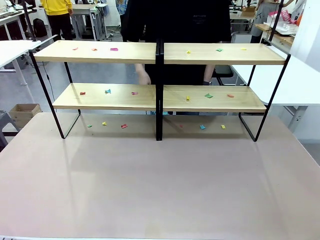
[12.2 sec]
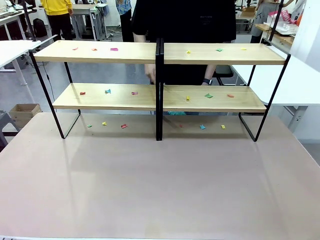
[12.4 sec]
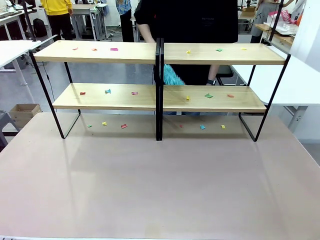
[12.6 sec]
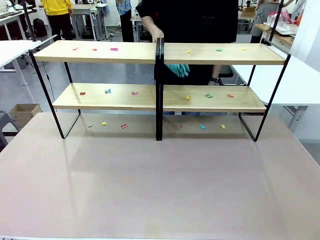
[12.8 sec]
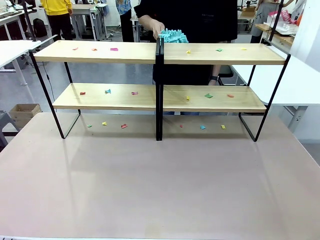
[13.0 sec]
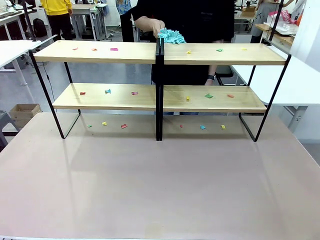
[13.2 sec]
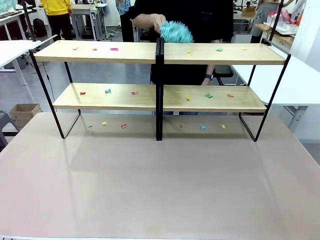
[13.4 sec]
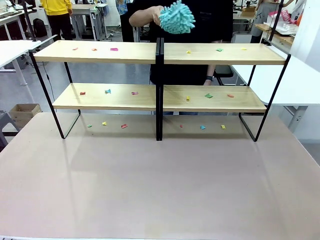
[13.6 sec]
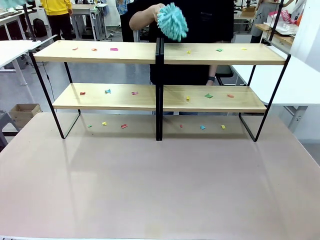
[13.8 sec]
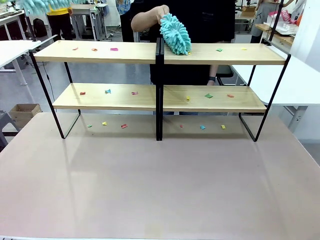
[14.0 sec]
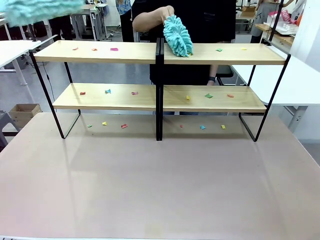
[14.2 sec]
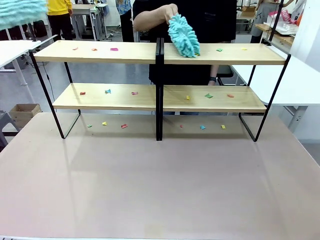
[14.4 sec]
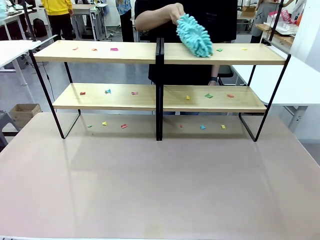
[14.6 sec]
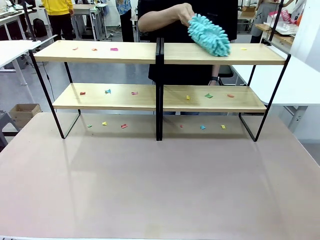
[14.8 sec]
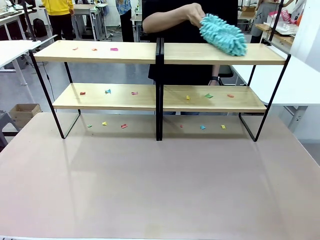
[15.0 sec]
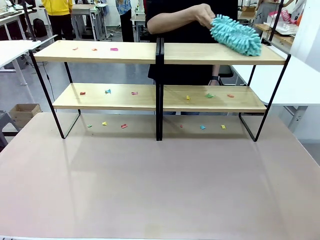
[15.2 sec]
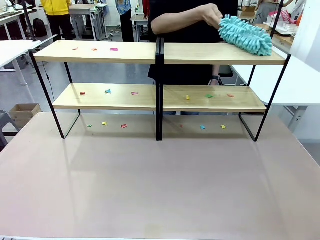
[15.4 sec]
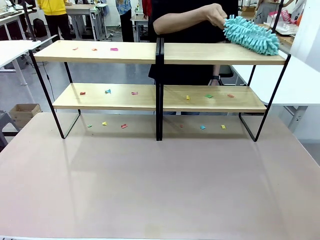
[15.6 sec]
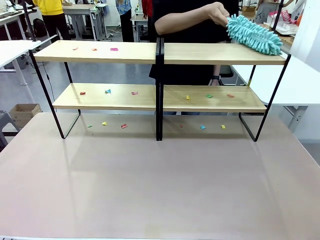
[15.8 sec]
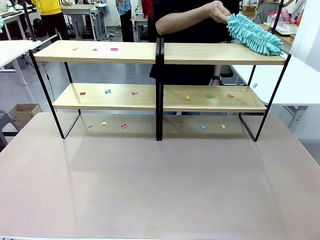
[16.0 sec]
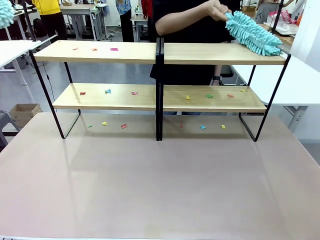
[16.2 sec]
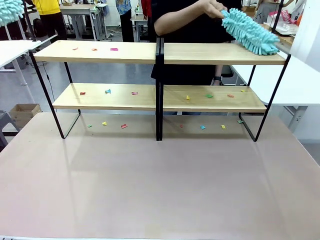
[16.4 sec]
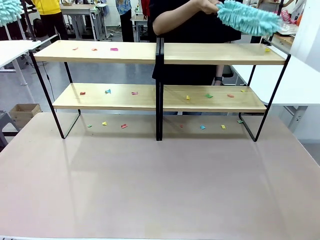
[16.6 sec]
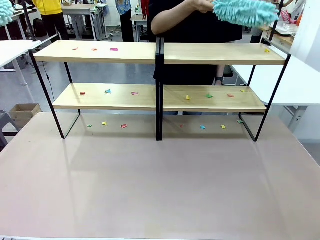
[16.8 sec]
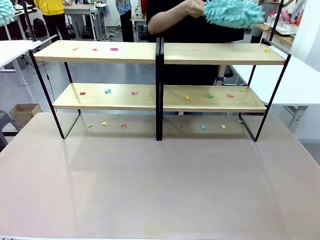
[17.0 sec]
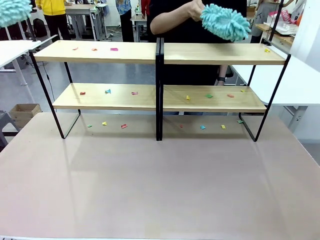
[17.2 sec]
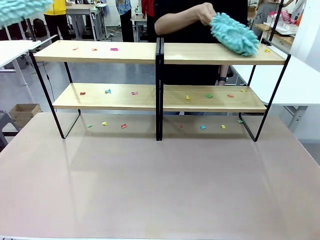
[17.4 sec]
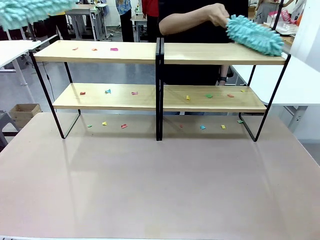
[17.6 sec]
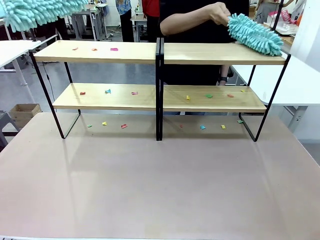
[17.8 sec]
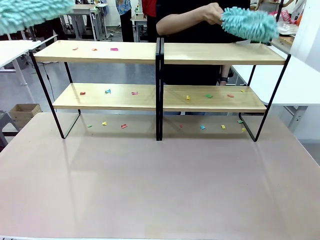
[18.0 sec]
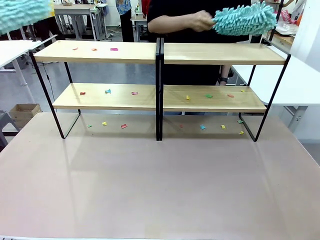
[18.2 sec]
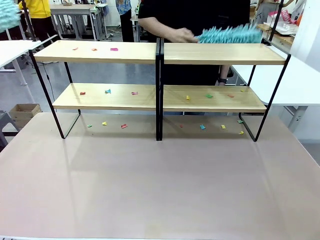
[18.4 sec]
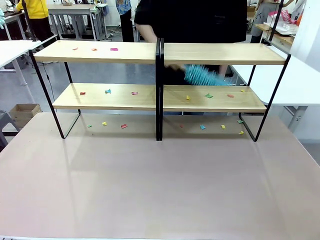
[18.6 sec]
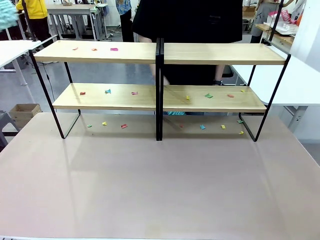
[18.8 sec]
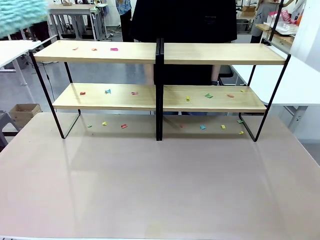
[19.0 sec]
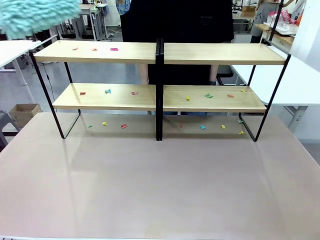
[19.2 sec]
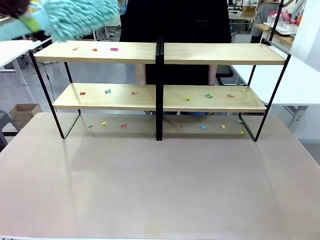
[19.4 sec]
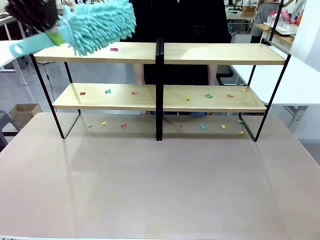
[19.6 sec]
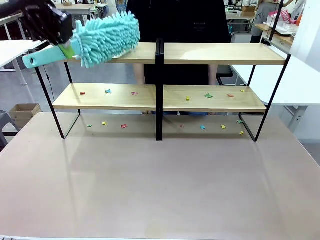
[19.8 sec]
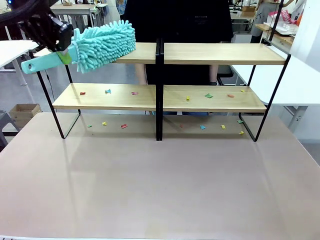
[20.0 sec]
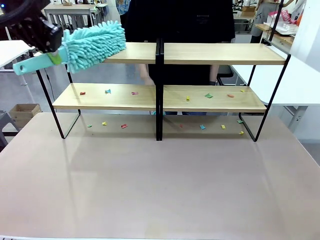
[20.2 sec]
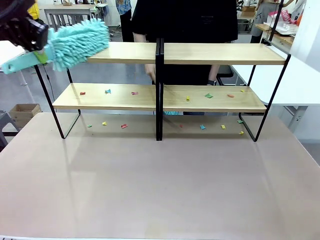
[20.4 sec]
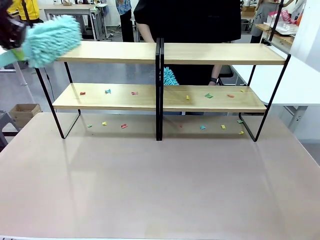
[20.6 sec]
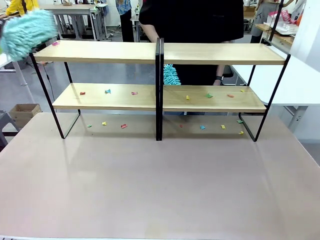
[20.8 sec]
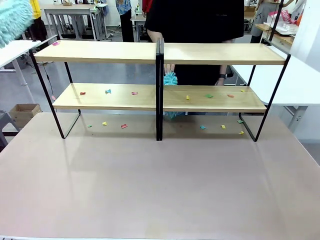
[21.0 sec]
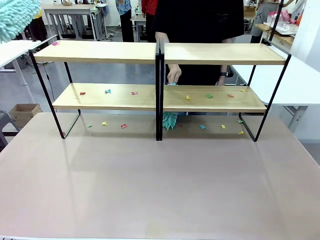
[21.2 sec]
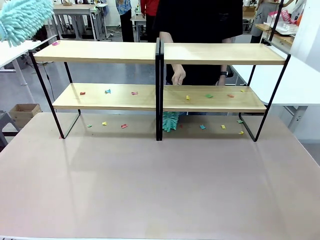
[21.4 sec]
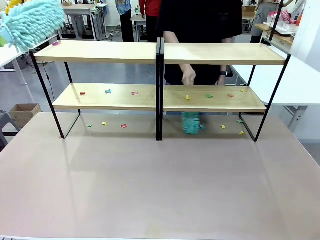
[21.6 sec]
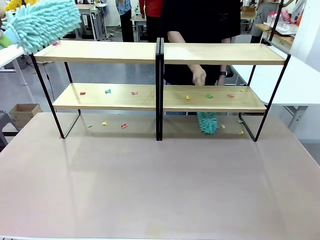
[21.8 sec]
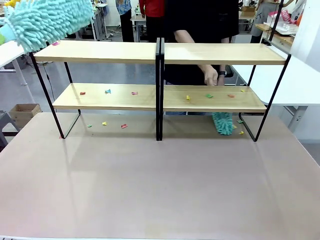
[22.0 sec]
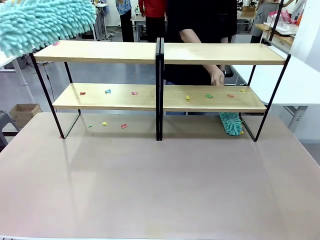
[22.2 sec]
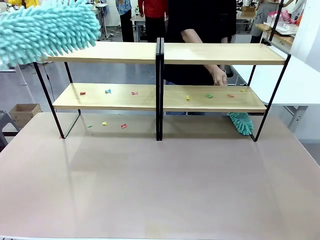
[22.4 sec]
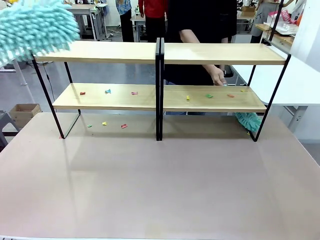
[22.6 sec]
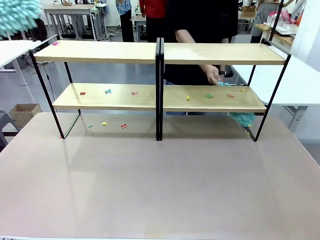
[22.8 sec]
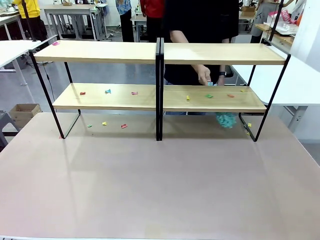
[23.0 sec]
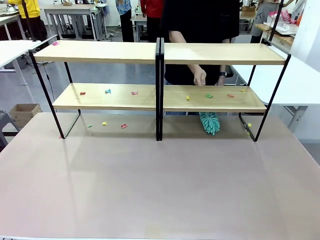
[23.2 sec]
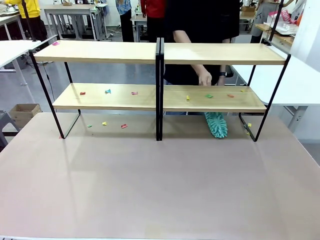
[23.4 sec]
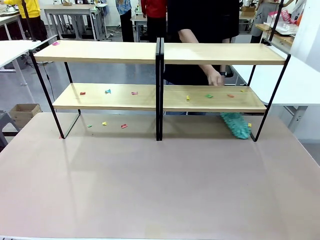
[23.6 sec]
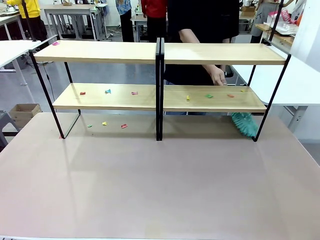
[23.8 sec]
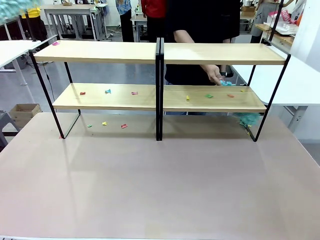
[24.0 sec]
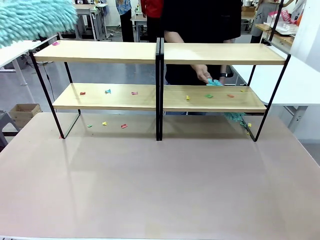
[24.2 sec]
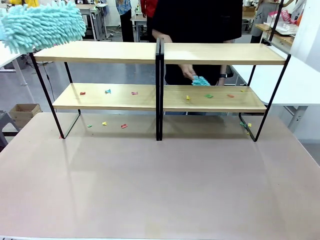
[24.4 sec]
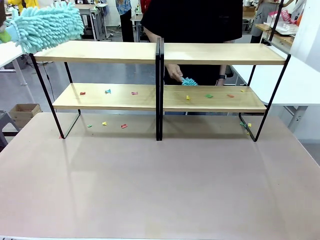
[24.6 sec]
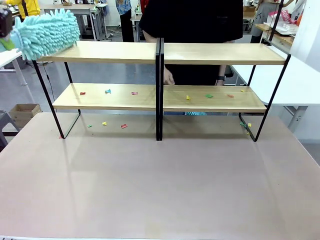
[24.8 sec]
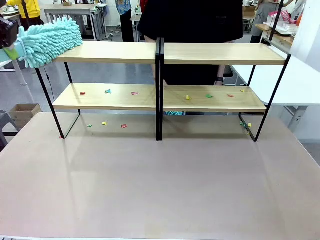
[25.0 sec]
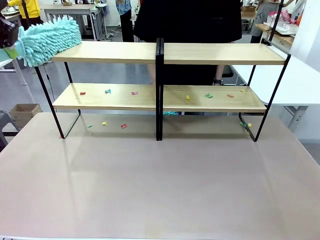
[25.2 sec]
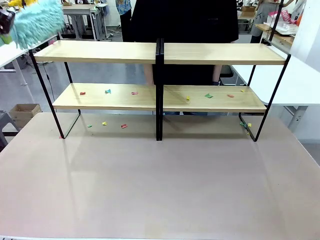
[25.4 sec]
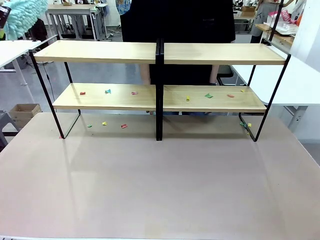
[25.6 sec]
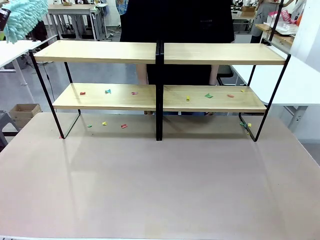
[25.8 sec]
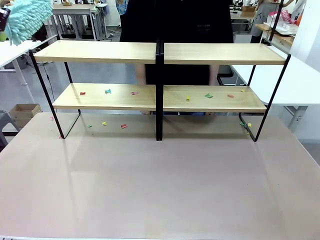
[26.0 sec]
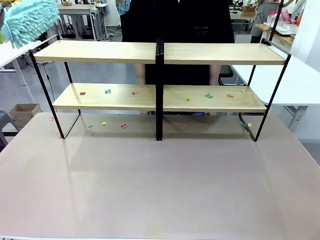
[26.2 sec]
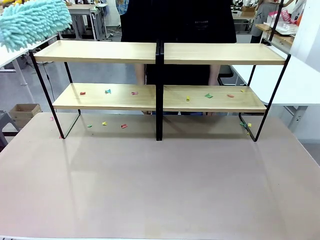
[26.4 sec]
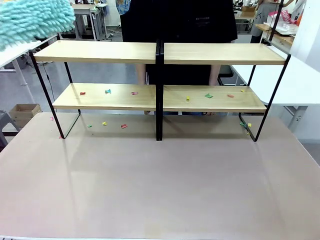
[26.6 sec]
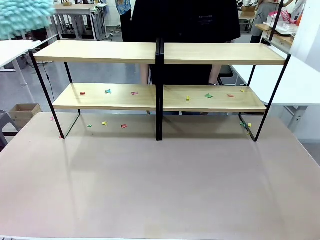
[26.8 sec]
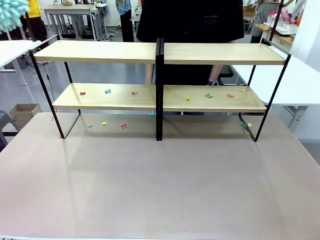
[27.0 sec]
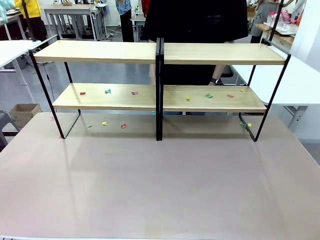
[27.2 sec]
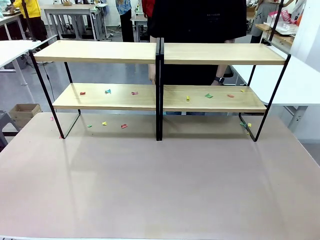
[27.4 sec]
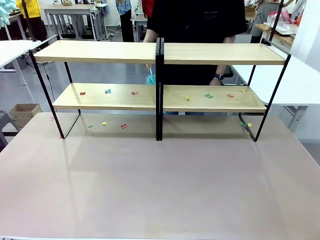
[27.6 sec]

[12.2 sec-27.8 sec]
Task: Clean the shelves.
Robot: Clean a randomly selected level of the Shelf with the Duster.

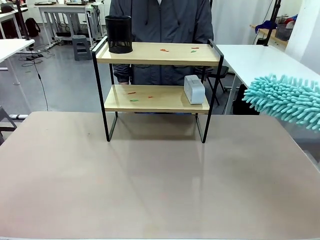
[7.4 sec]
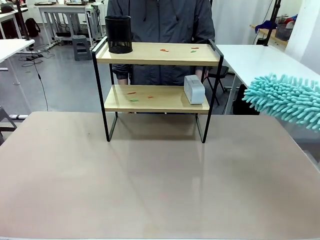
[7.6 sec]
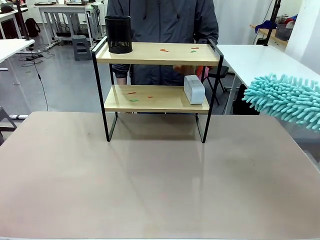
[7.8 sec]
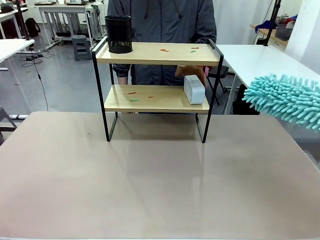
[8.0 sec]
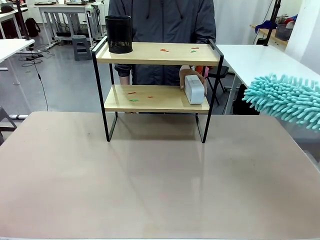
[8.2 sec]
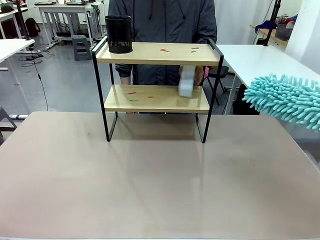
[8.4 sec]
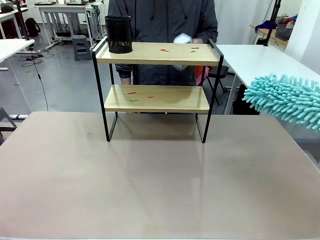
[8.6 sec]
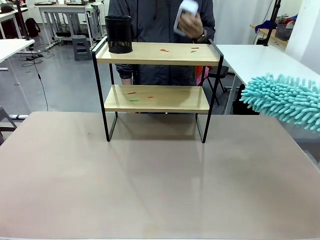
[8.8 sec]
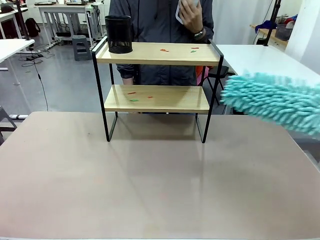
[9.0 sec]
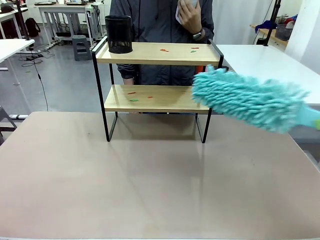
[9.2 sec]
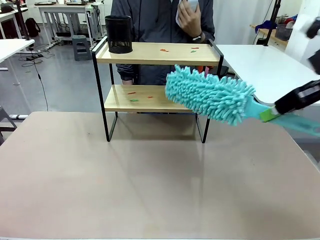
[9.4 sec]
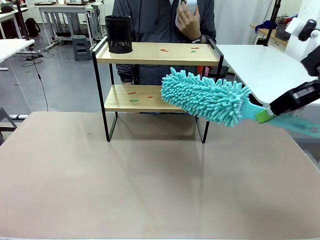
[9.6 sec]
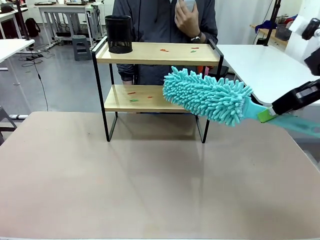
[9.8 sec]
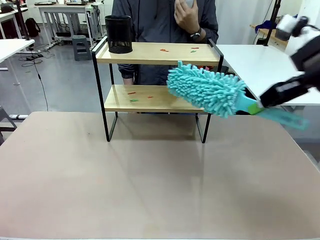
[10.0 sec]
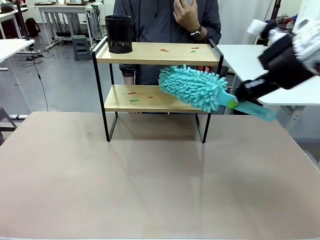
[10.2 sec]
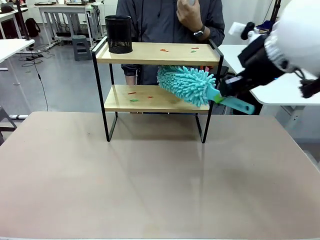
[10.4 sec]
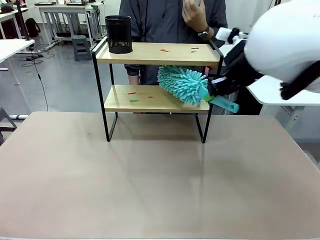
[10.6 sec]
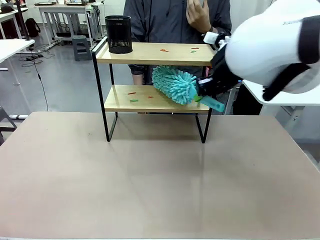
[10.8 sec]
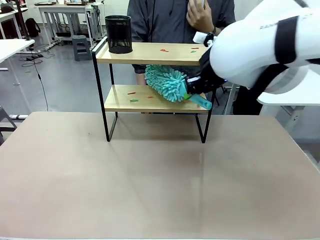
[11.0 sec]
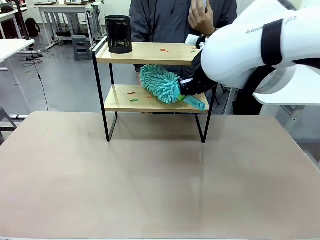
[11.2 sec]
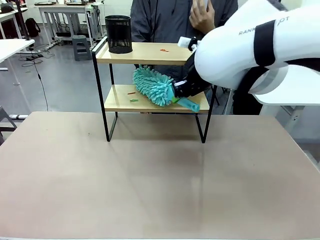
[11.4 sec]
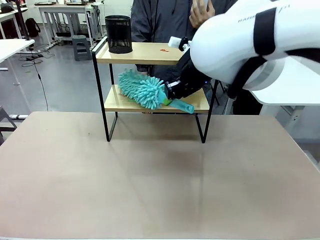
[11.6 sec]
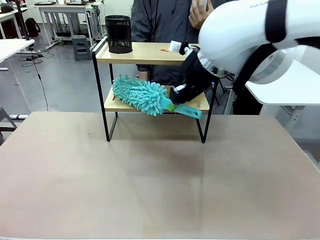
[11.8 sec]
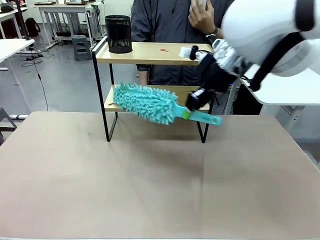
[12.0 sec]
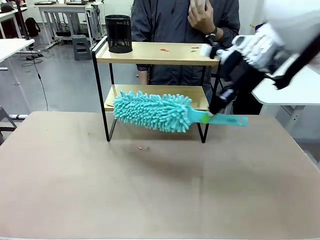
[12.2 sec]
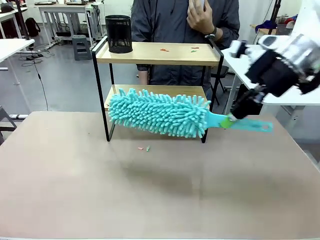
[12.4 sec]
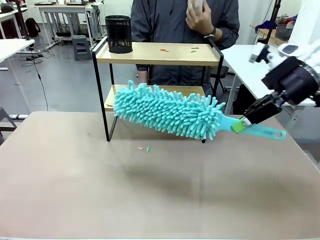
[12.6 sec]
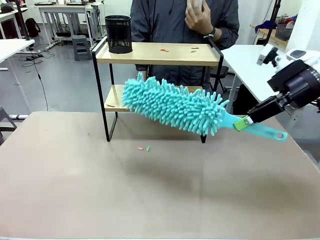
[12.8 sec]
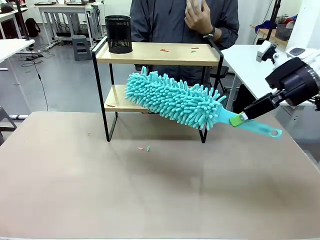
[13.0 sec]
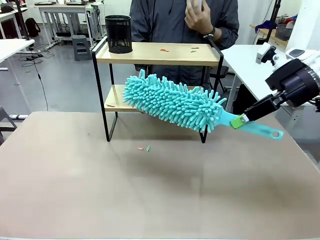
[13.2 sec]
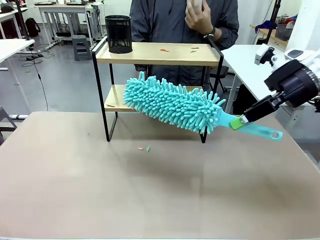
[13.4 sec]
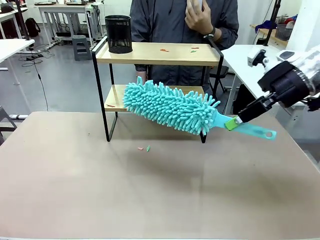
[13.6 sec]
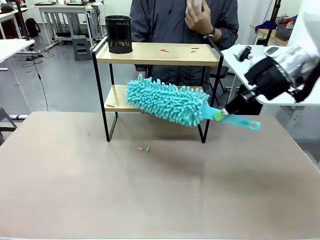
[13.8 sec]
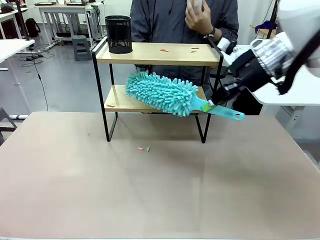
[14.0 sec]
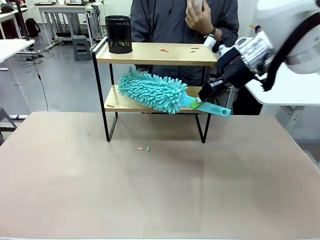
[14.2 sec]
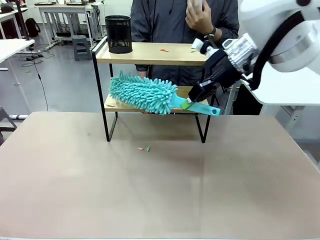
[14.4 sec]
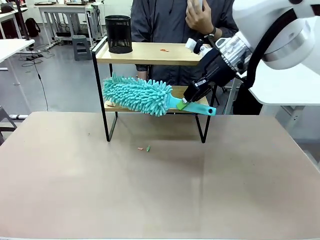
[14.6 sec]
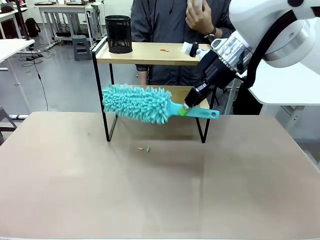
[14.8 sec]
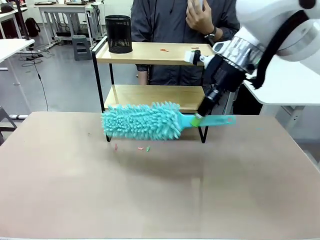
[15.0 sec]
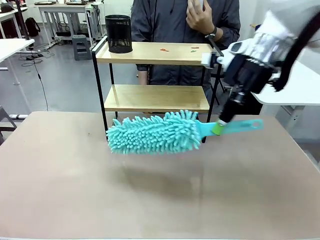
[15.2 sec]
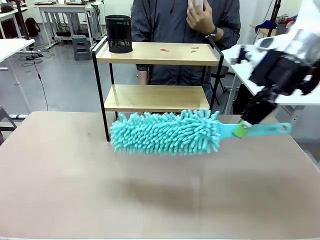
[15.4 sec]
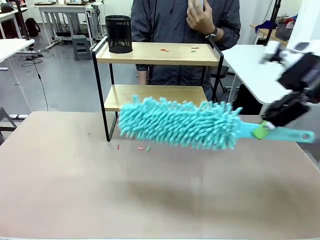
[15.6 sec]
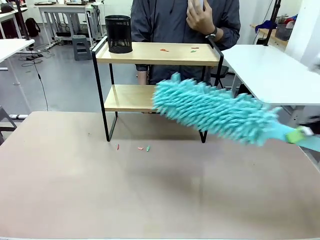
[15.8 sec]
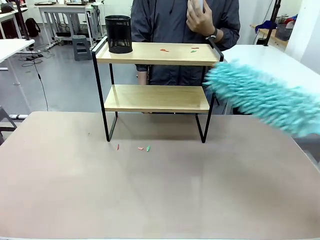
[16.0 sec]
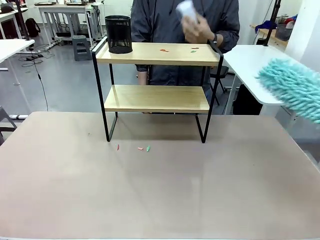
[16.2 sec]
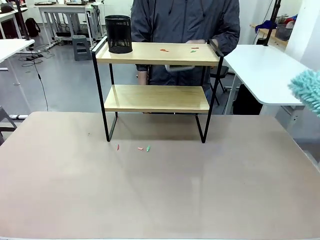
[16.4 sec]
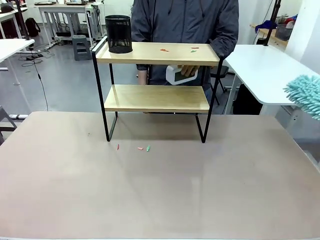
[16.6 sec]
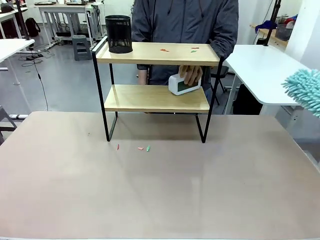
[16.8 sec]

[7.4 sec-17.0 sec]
Task: Clean the shelf.
Robot: Clean the specific tier of the Shelf with the Duster once objects are removed.
Person: Lift the objects on a randomly selected tier of the Shelf. Once the robot finishes cleaning, lift the objects on the remaining tiers of the Shelf.
